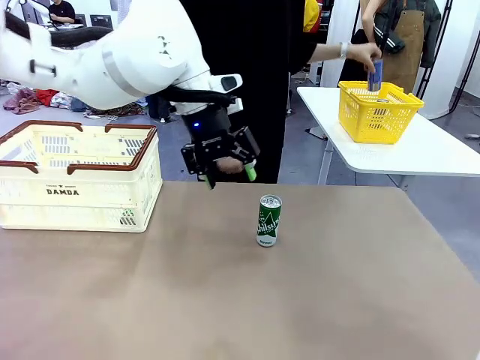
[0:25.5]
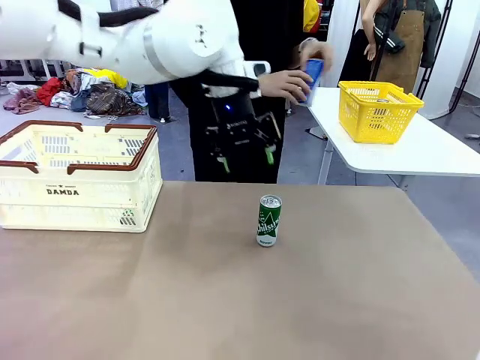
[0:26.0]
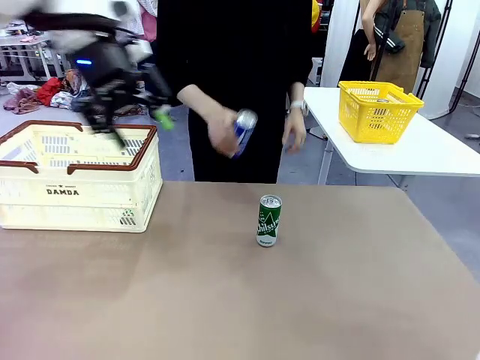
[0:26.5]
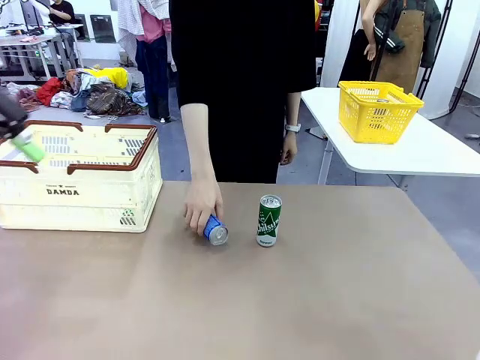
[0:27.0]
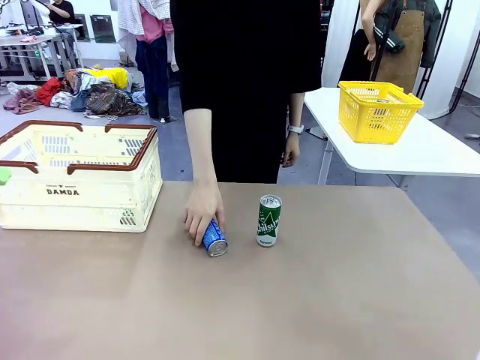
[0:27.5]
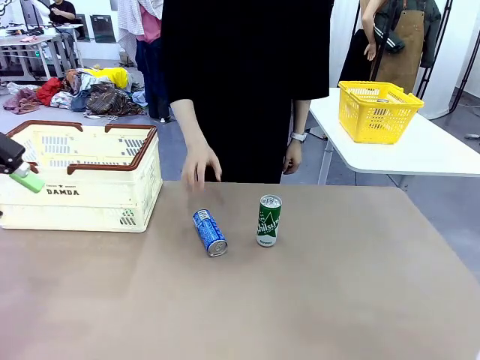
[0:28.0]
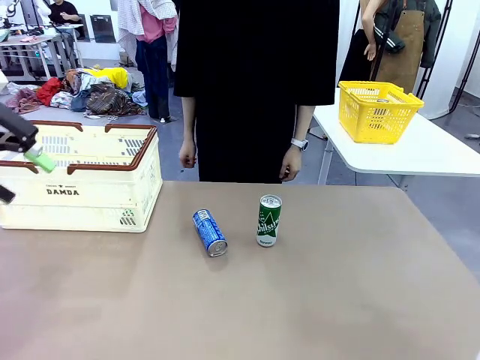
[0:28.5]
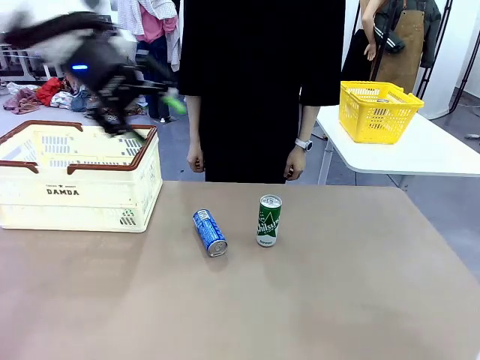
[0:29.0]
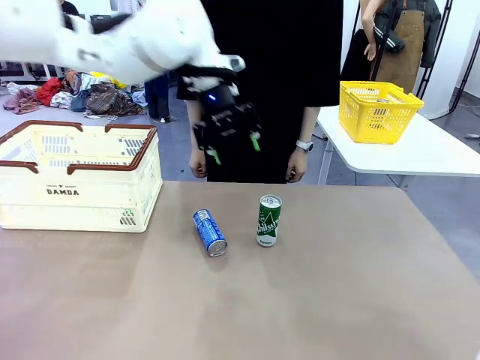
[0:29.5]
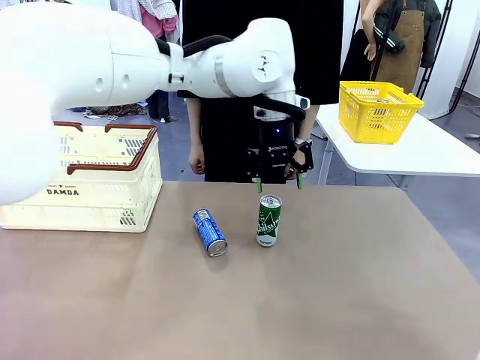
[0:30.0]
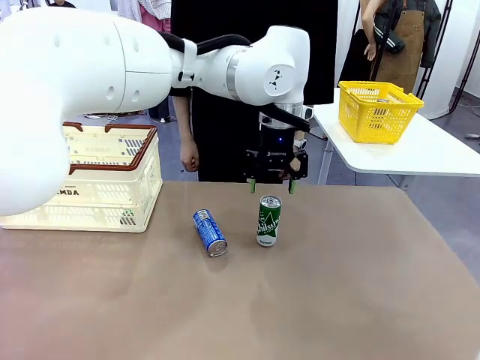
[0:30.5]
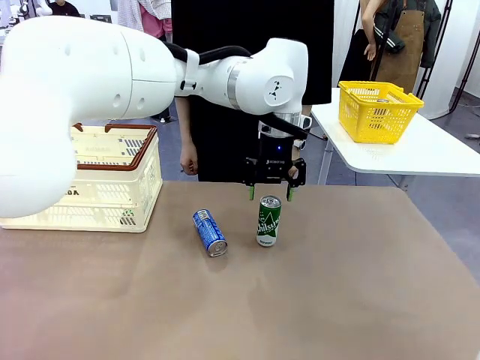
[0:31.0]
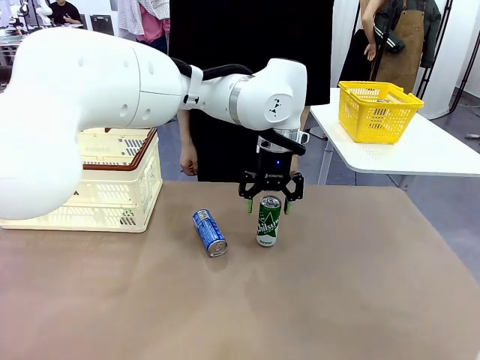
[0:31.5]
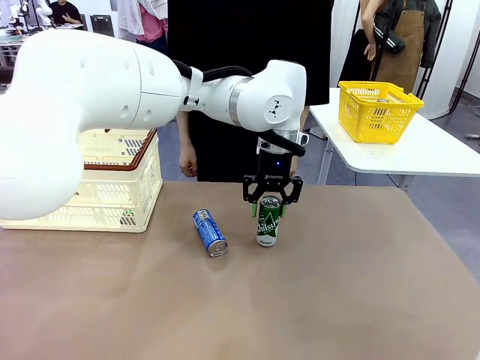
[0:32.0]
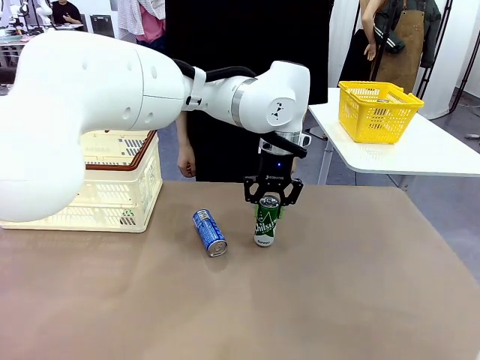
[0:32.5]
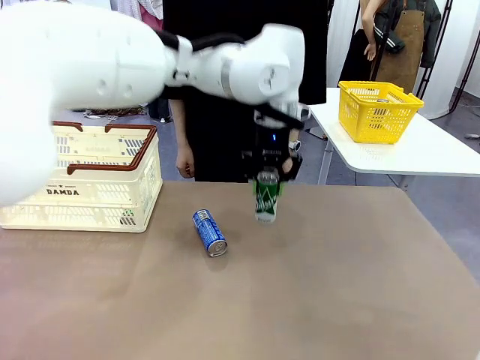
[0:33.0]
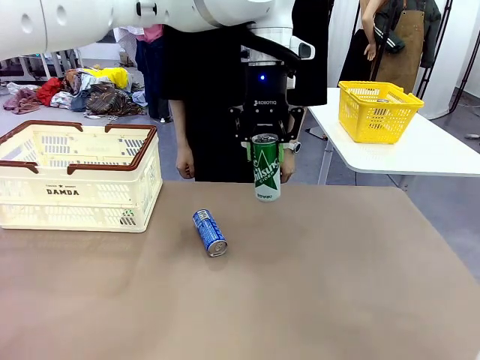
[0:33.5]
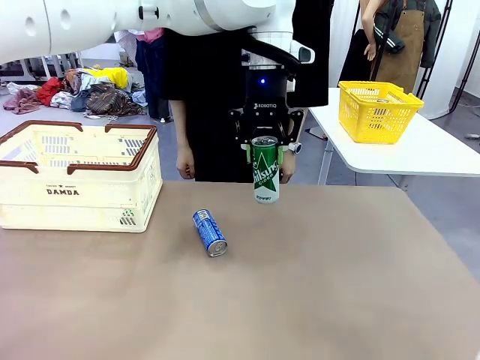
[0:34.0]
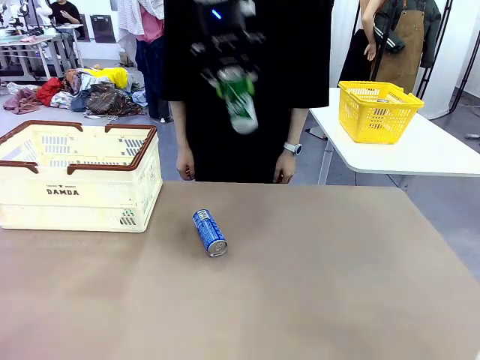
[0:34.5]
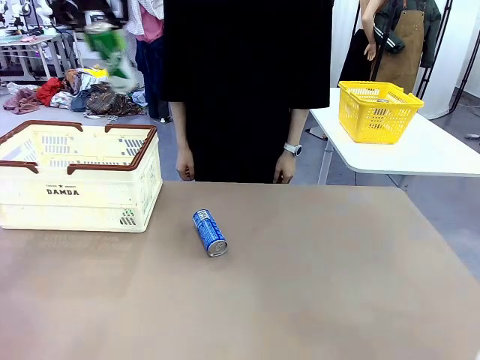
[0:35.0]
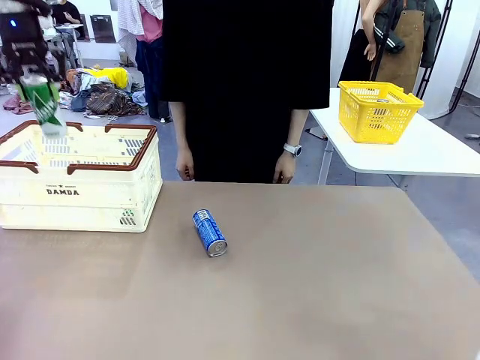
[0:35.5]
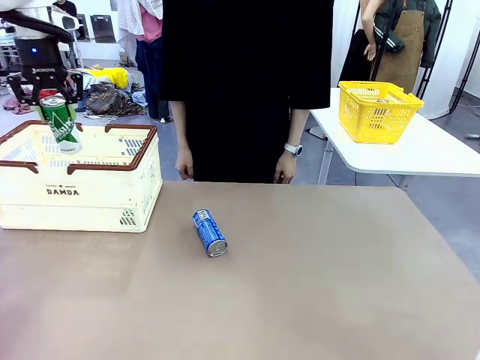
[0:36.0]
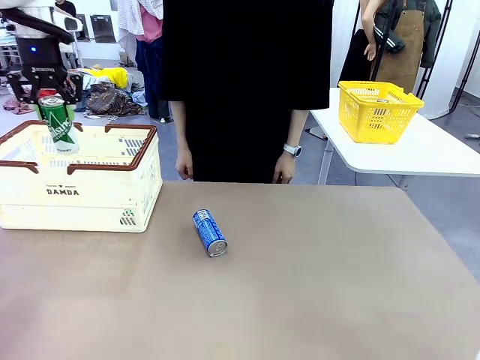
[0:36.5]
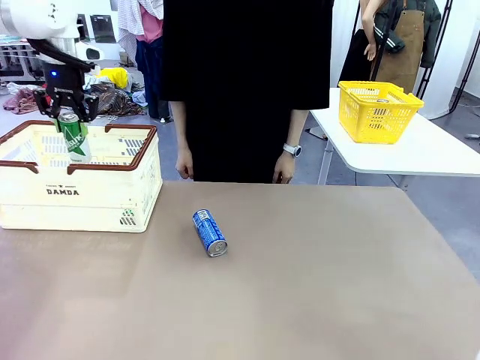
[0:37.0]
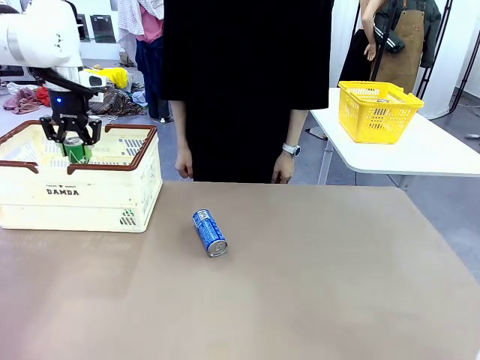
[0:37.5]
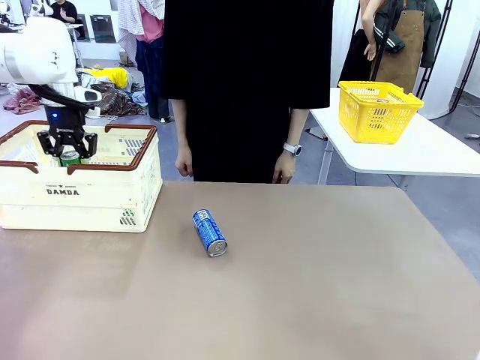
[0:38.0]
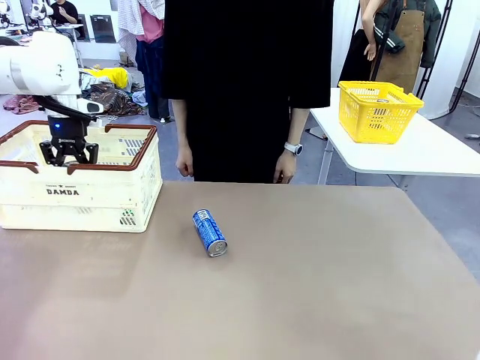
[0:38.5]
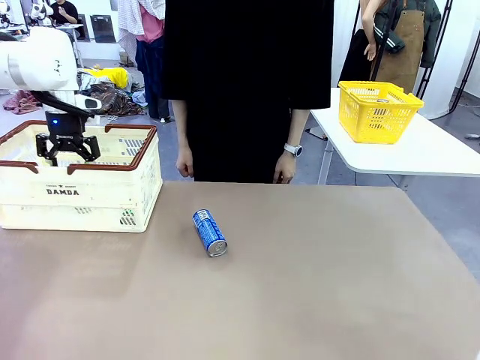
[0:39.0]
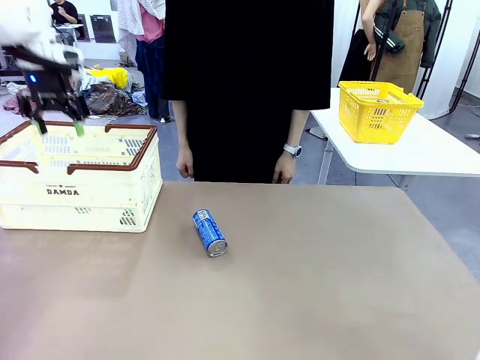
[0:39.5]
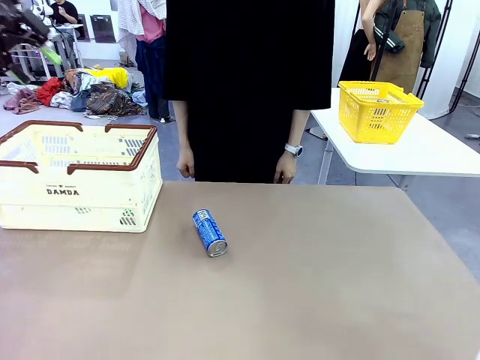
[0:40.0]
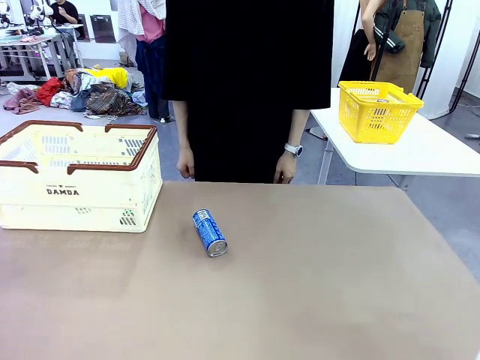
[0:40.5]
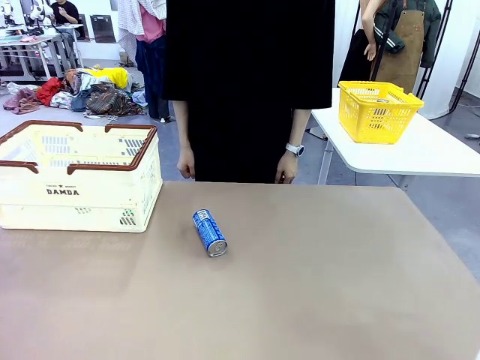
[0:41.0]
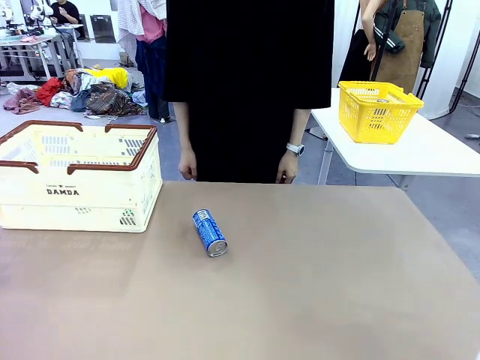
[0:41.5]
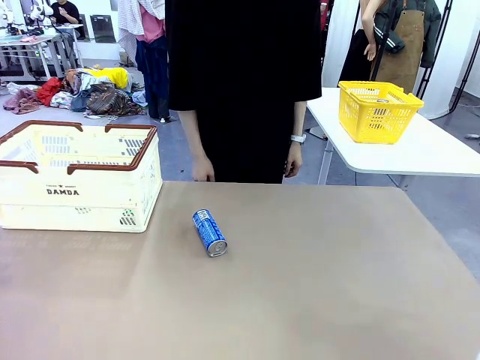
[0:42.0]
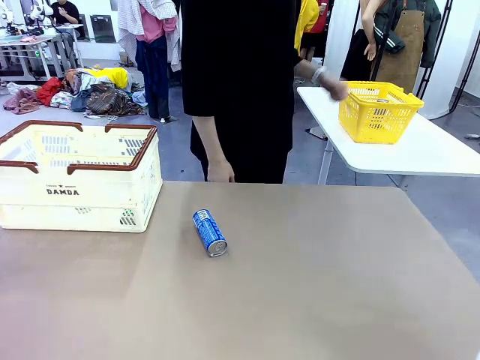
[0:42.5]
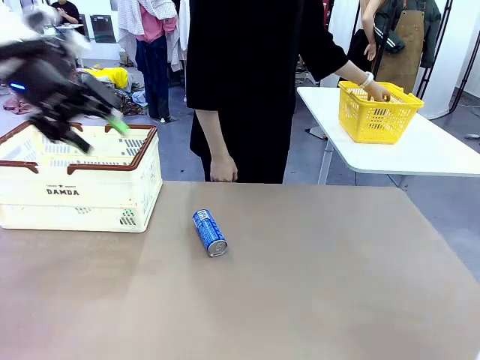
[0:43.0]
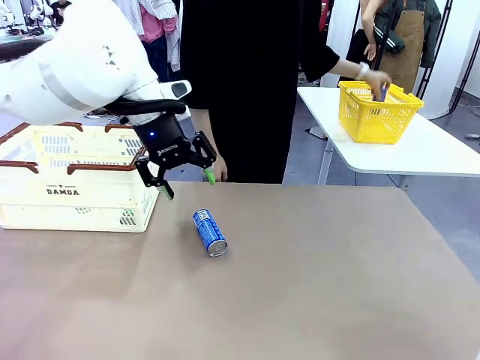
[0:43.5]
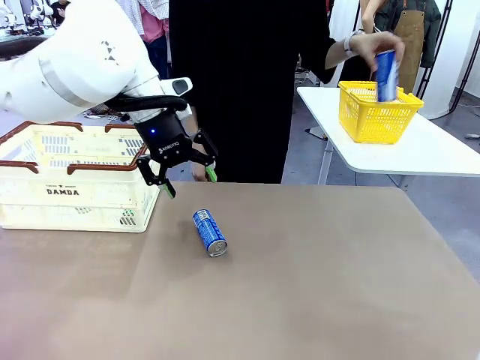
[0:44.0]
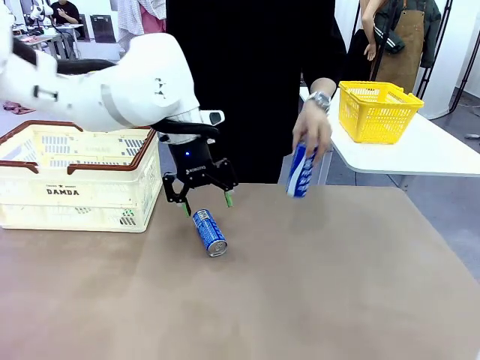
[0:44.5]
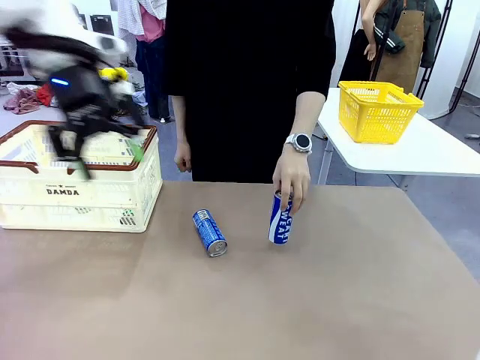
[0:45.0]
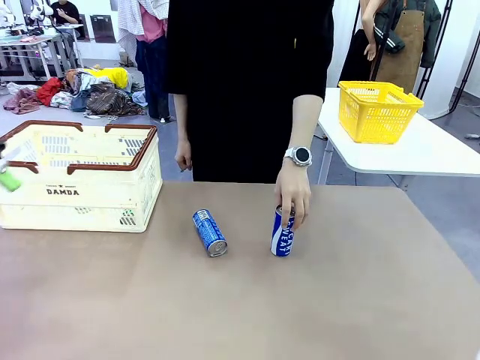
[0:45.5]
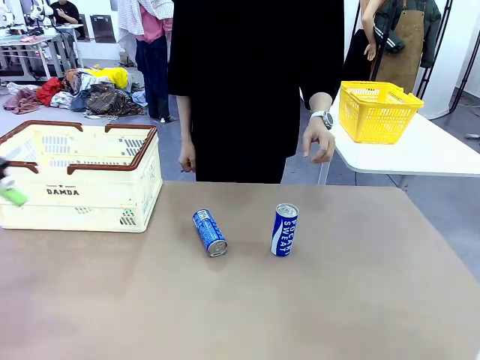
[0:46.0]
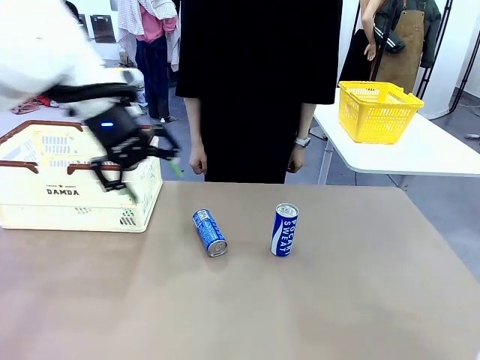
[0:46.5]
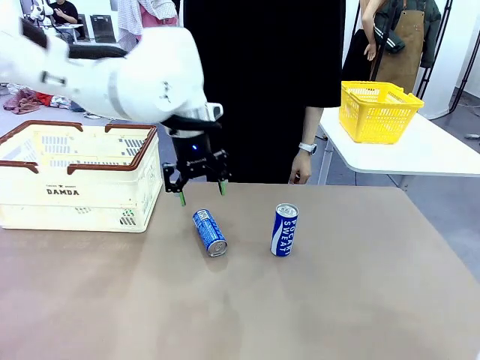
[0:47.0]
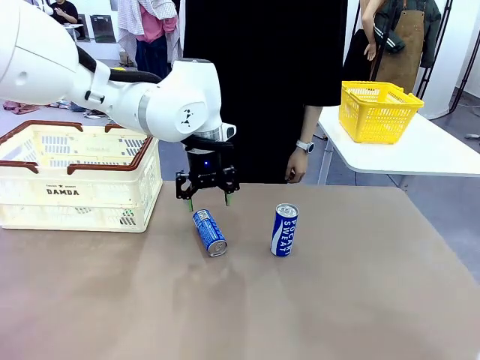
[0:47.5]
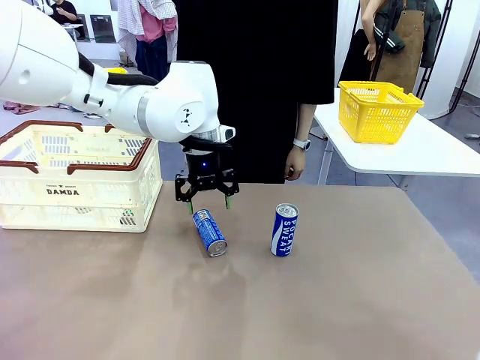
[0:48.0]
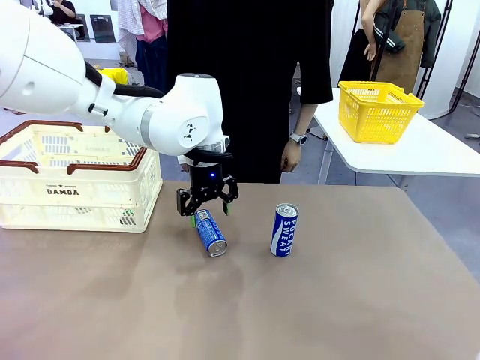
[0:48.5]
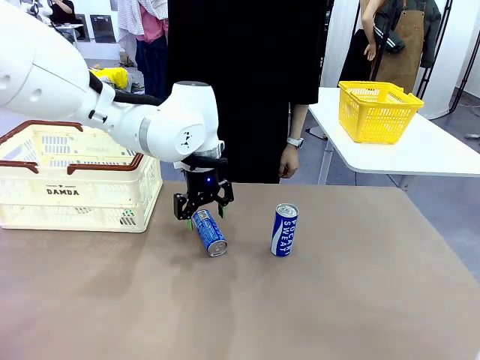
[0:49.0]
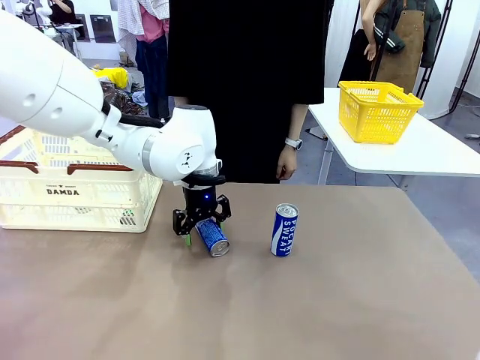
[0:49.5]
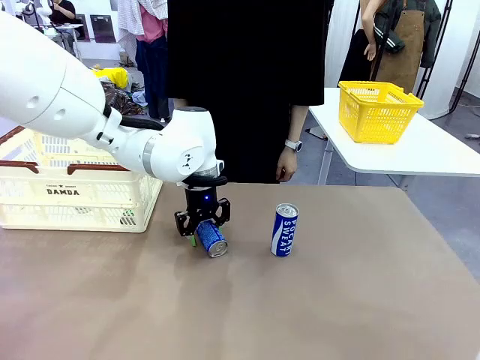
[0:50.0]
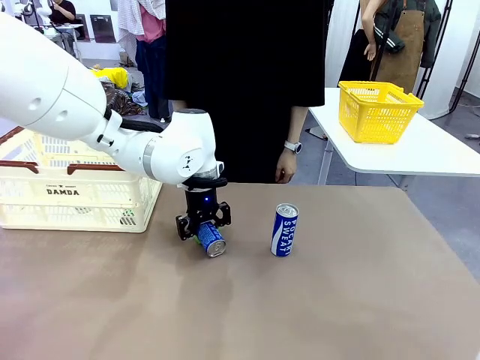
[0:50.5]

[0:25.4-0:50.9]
Task: Place the drinks into the Shopping basket.
Robot: Pick up one drink and place it into the Shopping basket.
